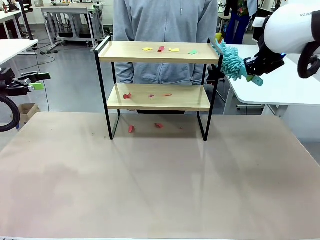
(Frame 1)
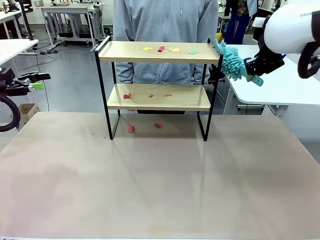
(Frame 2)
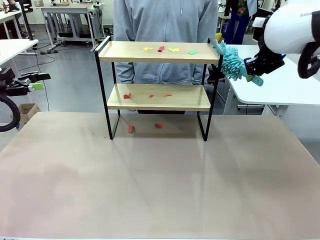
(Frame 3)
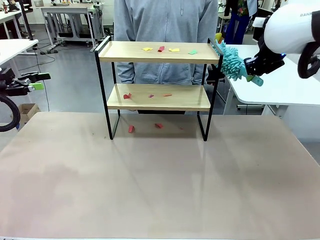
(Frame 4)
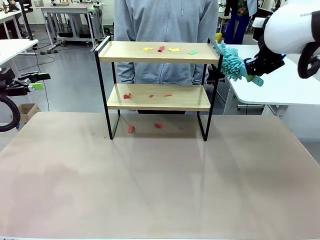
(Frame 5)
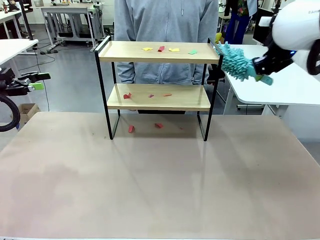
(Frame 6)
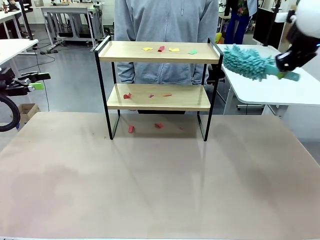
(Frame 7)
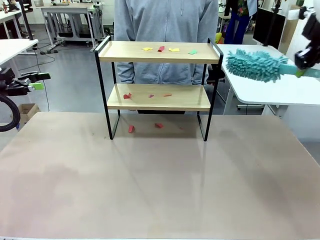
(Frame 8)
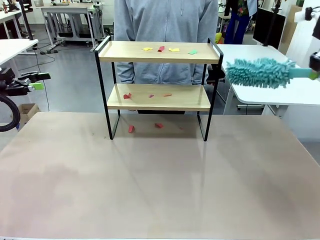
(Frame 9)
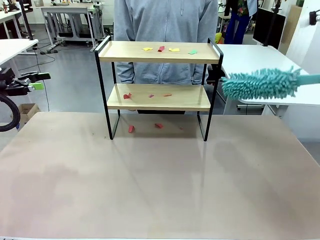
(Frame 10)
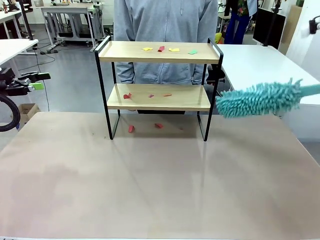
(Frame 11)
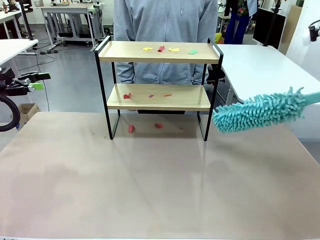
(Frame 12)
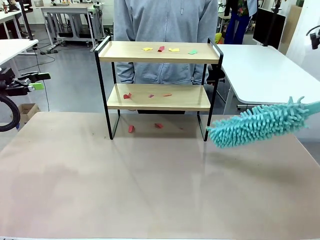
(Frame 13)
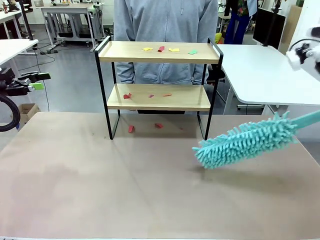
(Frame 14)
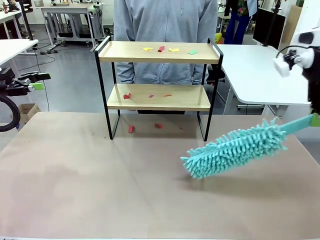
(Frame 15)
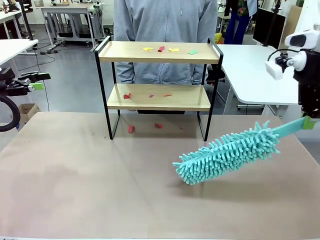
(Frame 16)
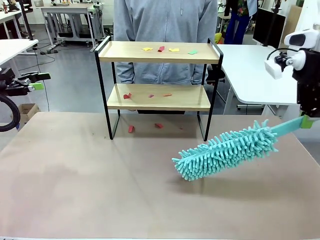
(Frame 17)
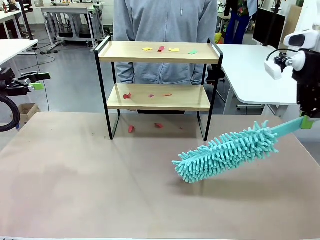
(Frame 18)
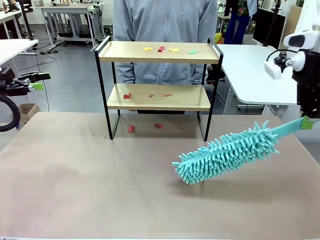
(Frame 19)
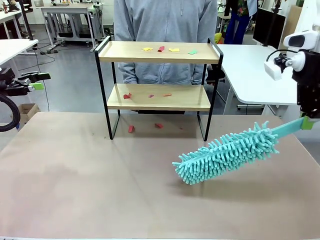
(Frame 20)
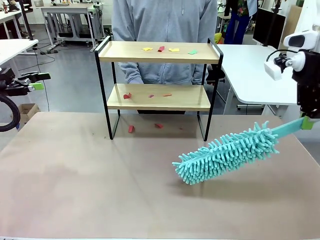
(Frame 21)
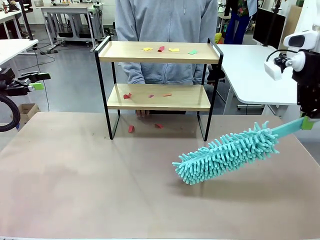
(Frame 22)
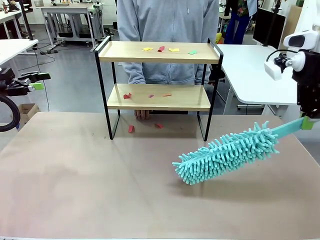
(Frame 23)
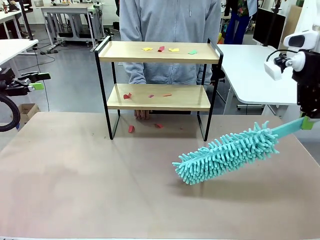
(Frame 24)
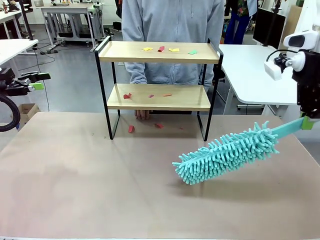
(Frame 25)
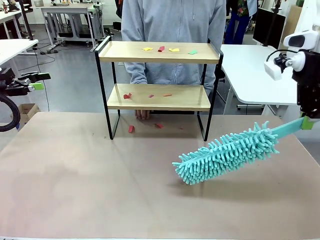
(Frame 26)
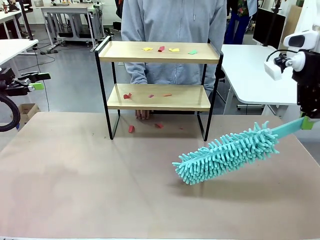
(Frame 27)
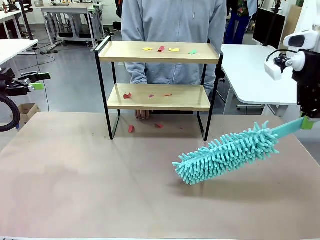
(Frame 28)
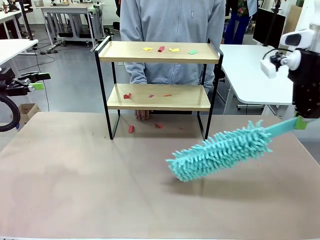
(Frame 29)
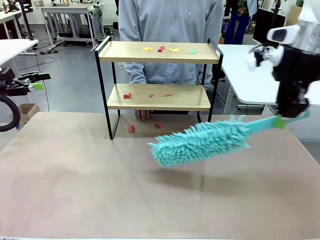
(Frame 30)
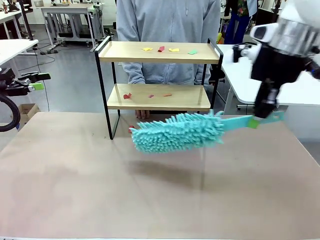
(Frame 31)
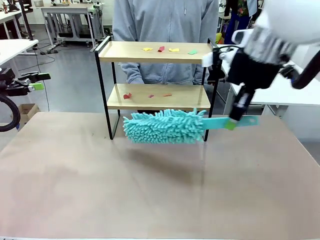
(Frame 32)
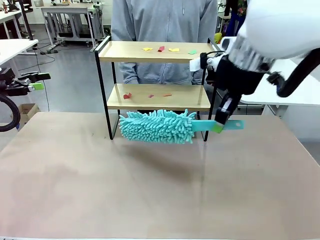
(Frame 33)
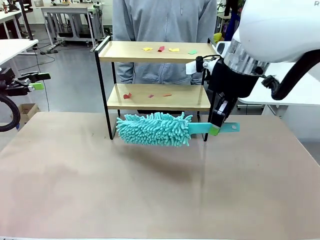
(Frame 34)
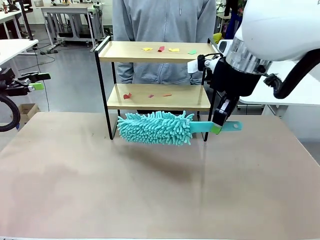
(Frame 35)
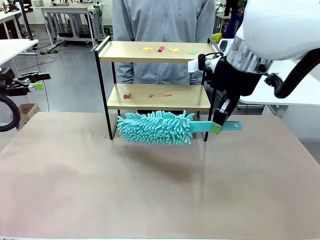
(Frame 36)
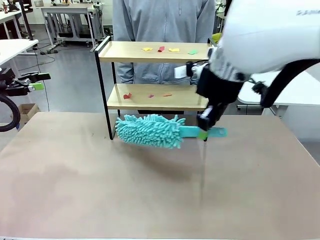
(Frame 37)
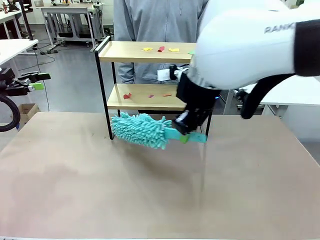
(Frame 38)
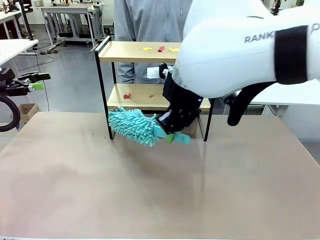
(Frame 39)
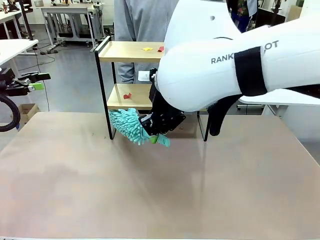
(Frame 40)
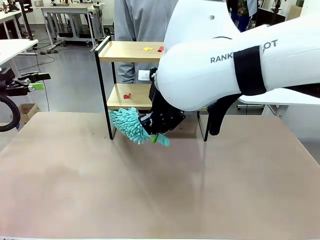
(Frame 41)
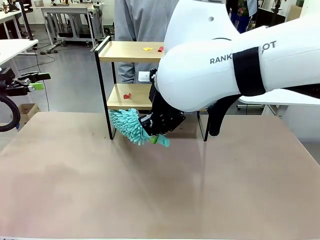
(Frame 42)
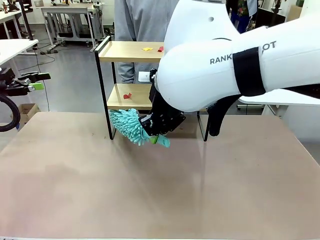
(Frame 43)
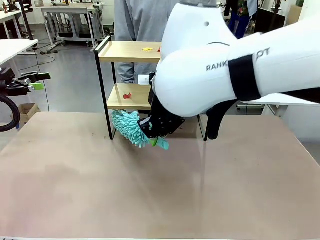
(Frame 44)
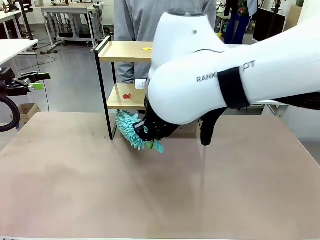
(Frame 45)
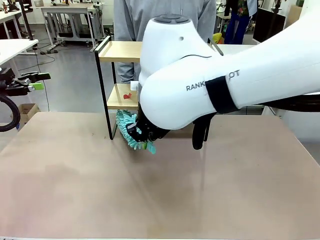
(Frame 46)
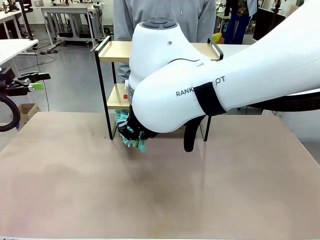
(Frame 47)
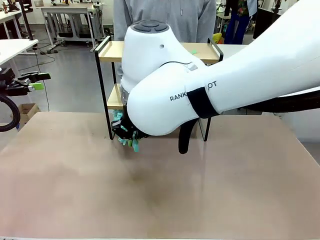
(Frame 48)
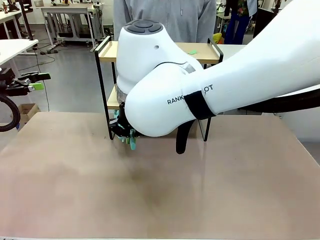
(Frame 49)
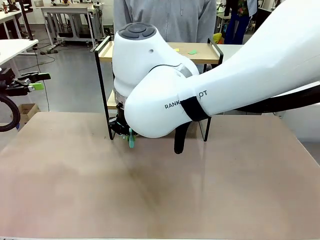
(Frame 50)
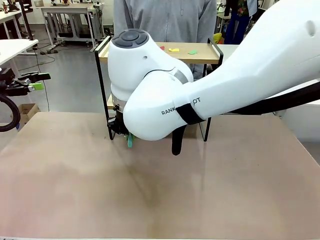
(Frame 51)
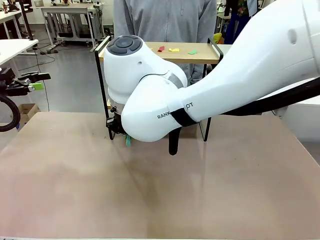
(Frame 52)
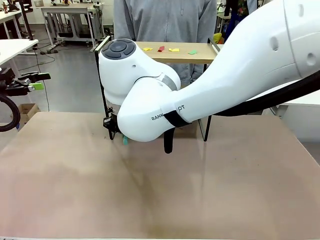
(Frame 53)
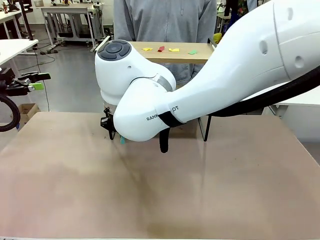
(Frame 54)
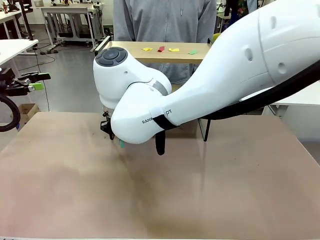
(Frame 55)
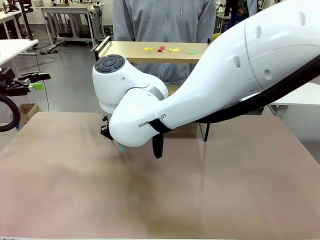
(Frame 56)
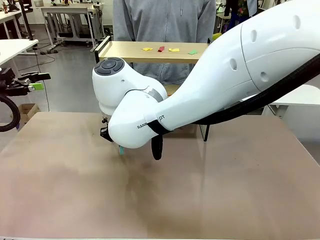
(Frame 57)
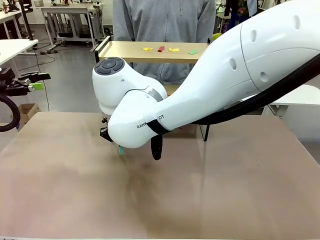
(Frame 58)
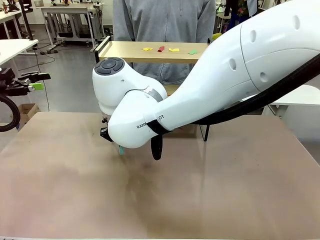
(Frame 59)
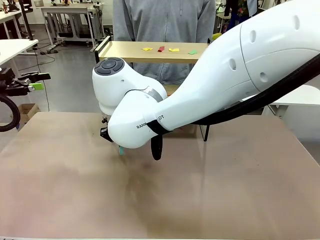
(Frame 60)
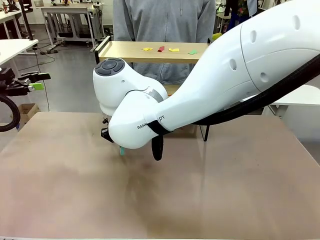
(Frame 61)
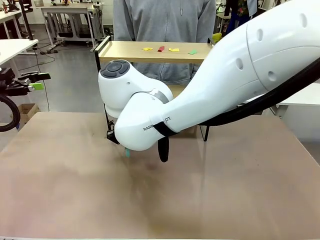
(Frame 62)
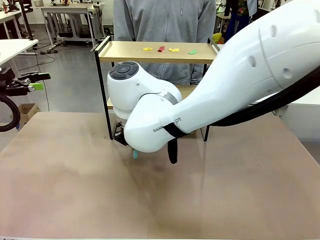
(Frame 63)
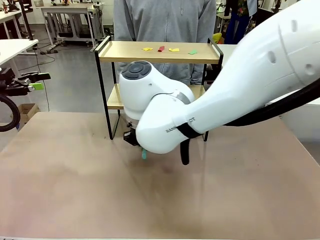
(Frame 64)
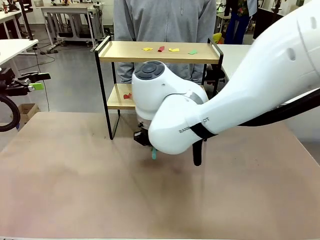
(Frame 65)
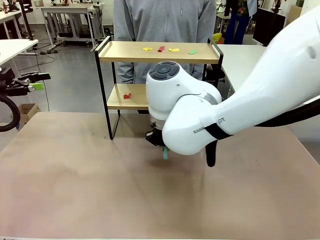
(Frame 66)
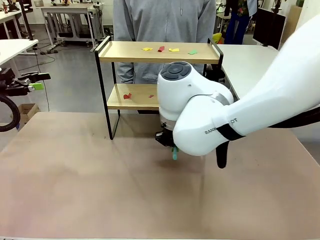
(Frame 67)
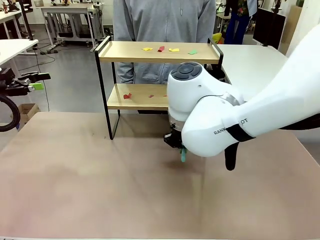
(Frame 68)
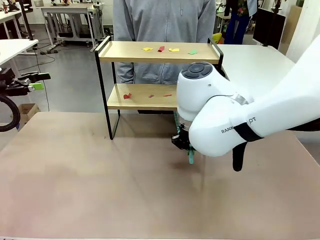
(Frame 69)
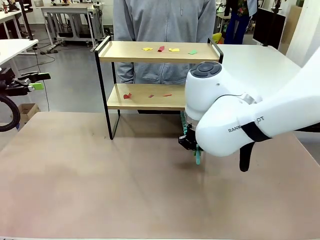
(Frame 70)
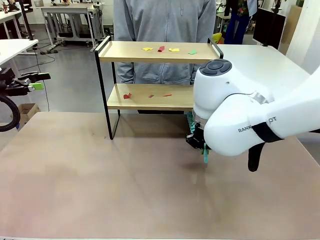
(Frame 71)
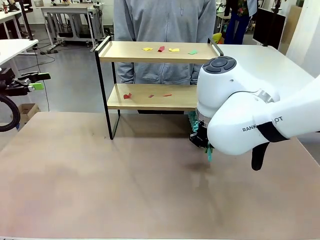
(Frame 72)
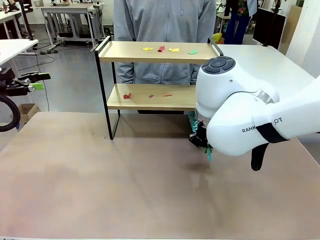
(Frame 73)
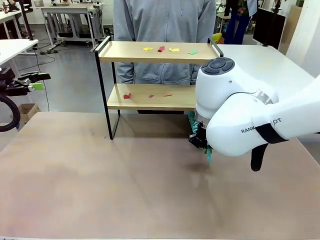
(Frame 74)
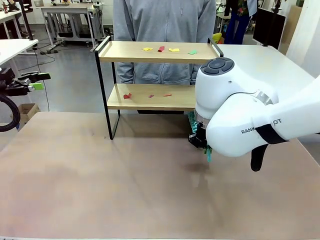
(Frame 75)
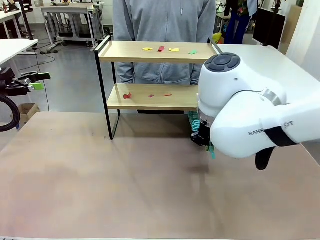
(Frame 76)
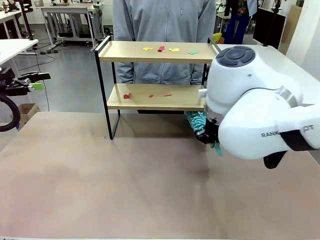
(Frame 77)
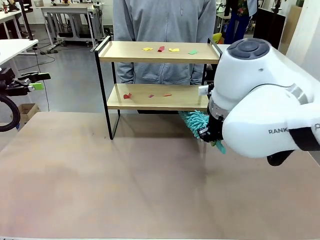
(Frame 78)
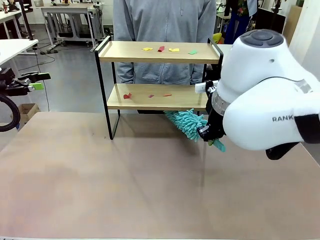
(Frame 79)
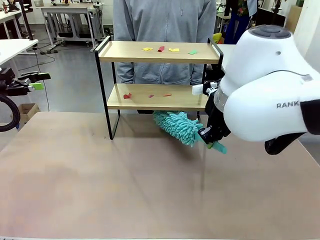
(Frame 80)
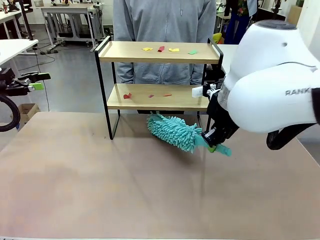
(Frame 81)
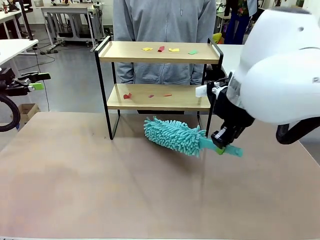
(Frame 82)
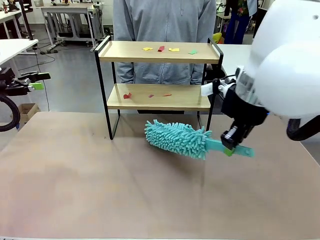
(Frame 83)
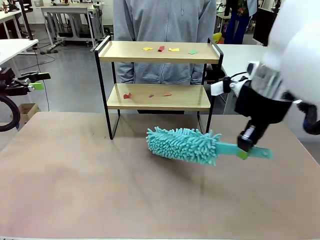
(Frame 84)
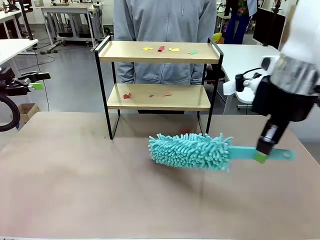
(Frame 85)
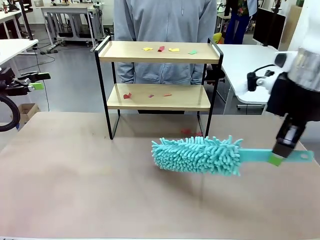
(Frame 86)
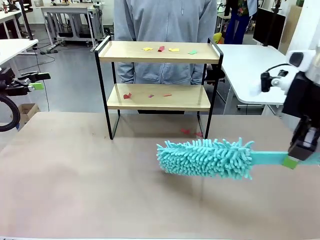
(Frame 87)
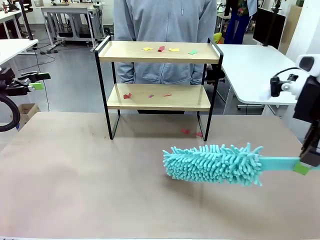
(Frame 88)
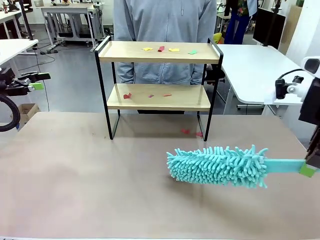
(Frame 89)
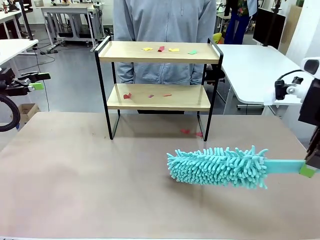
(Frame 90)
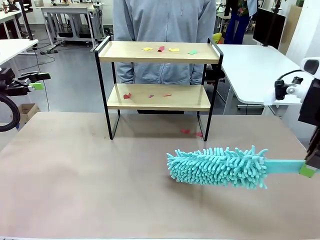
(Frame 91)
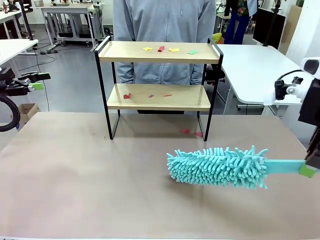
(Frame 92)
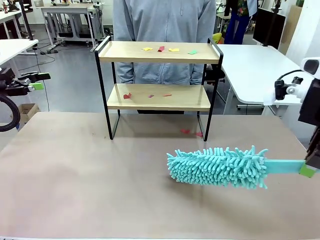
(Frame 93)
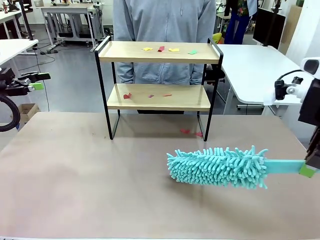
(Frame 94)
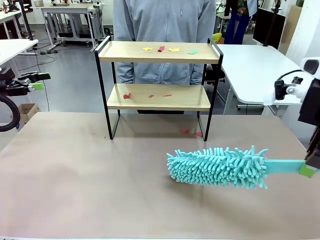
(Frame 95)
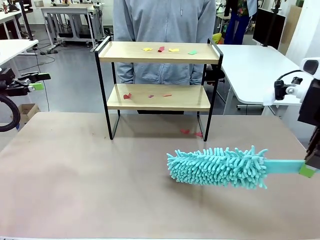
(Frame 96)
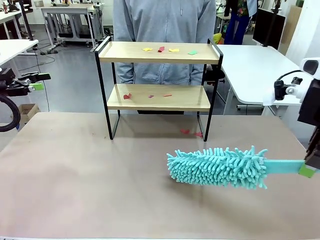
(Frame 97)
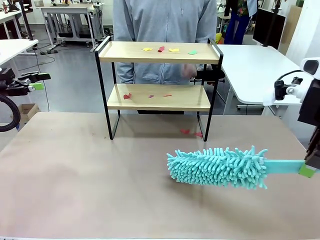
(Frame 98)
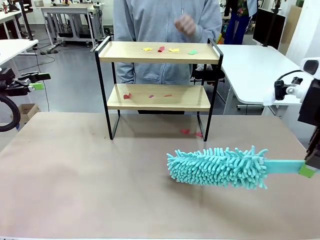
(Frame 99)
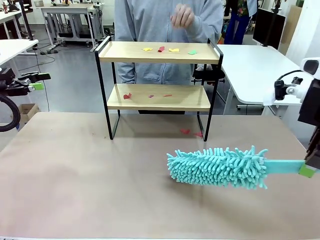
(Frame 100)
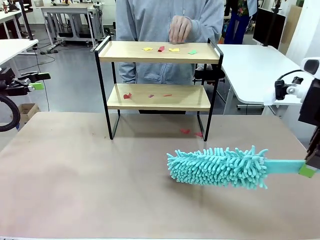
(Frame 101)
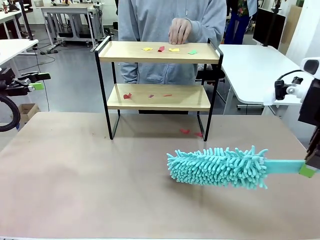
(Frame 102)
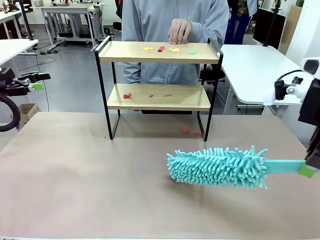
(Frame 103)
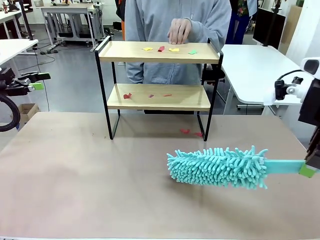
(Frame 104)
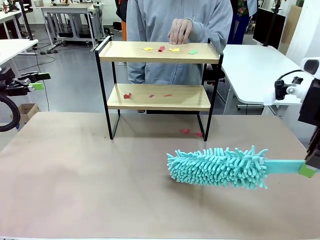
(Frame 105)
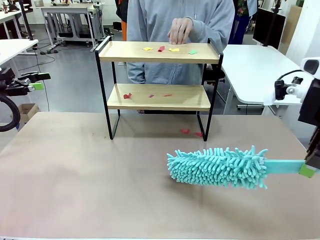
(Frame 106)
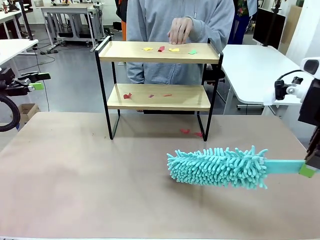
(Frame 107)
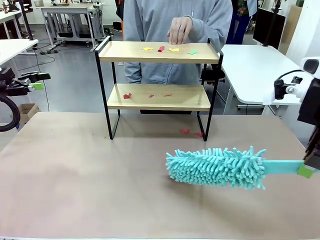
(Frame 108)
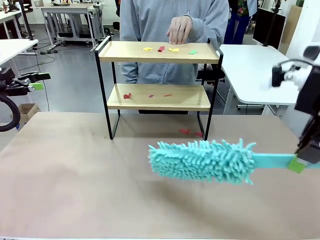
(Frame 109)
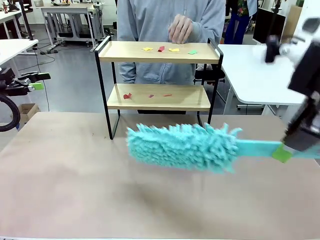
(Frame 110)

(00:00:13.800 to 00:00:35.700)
Task: Clean the shelf.
Robot: Clean the specific section of the Shelf indicated by the human with the Duster.
Person: Point a random section of the Shelf.
